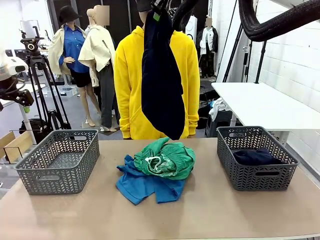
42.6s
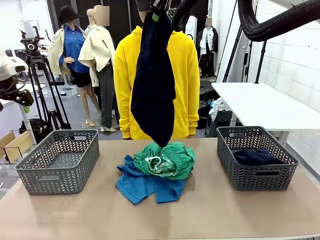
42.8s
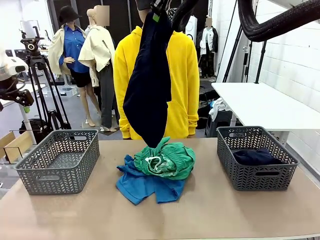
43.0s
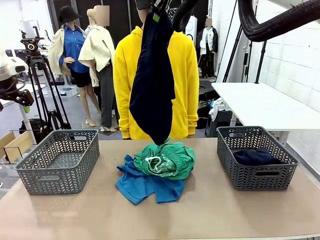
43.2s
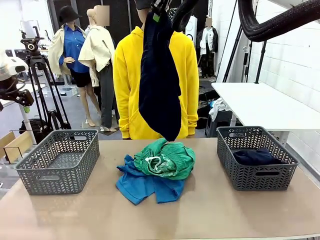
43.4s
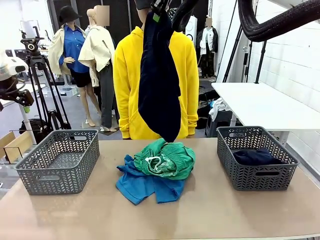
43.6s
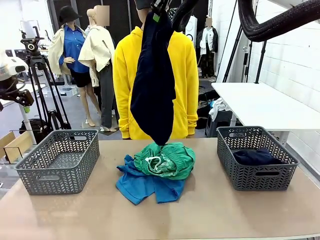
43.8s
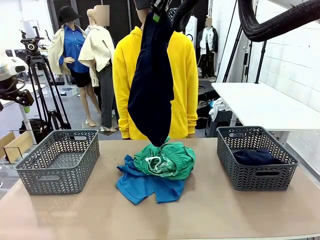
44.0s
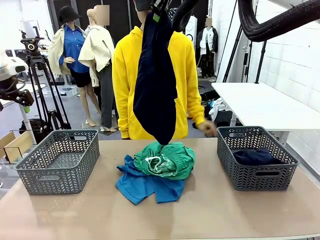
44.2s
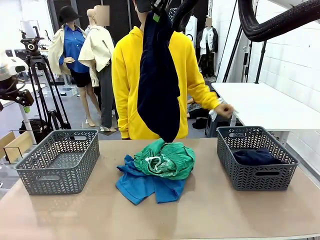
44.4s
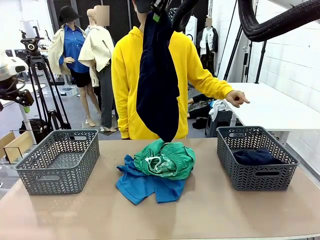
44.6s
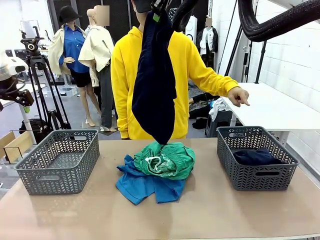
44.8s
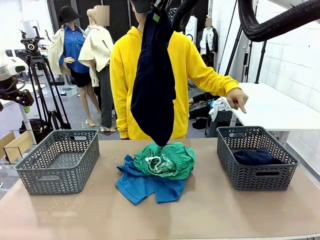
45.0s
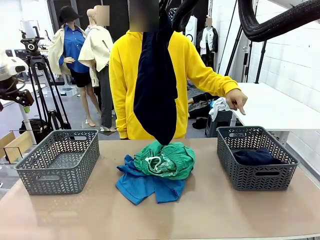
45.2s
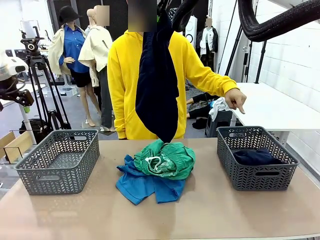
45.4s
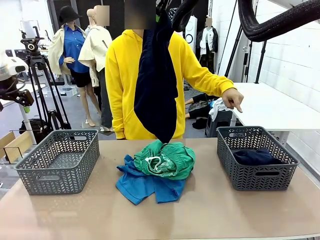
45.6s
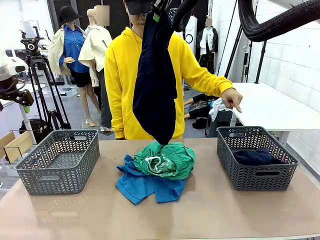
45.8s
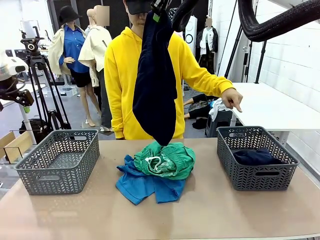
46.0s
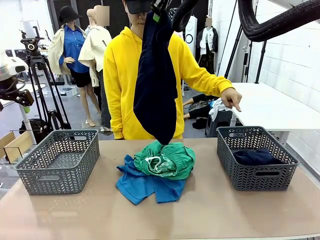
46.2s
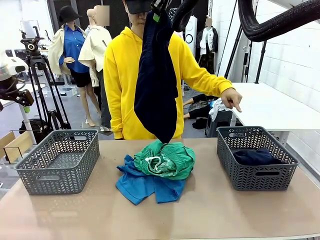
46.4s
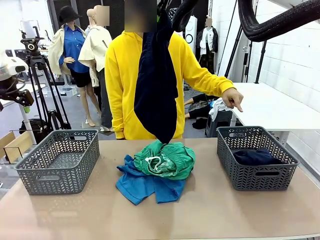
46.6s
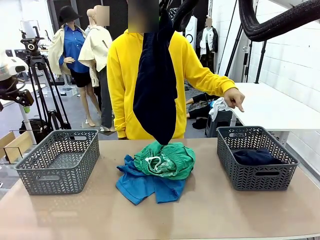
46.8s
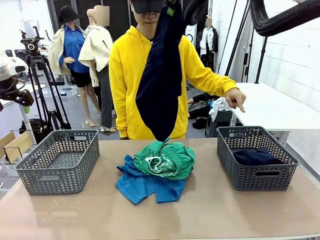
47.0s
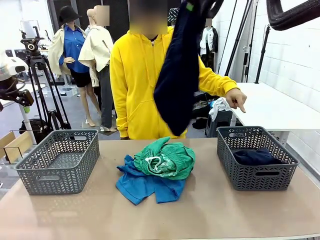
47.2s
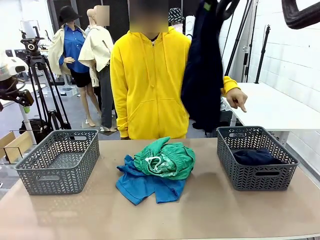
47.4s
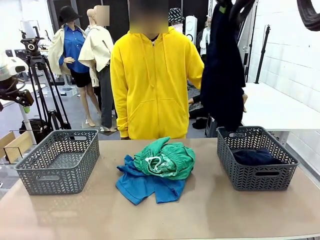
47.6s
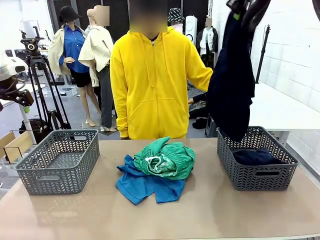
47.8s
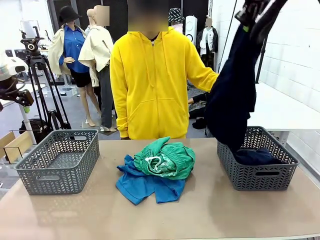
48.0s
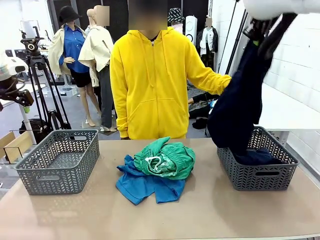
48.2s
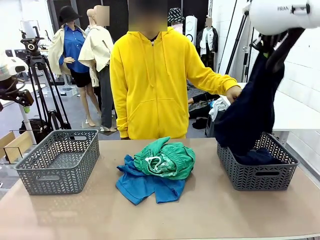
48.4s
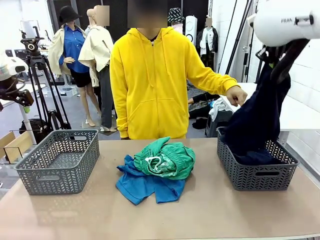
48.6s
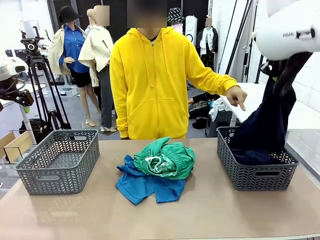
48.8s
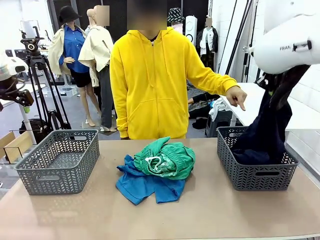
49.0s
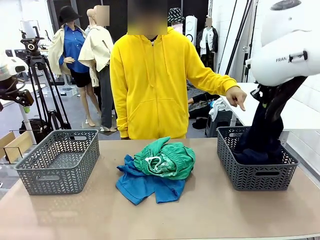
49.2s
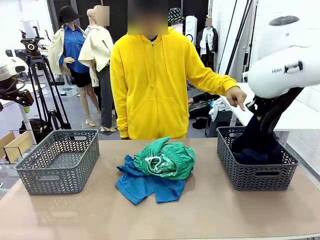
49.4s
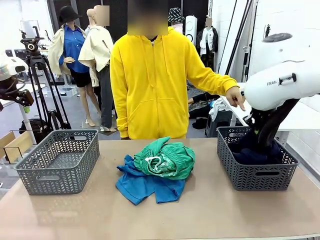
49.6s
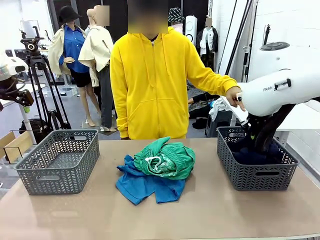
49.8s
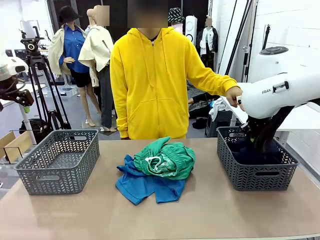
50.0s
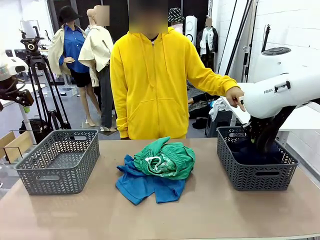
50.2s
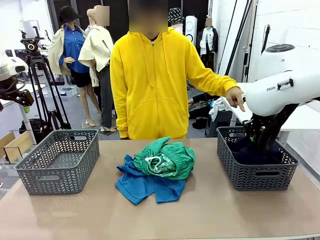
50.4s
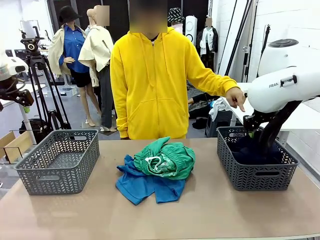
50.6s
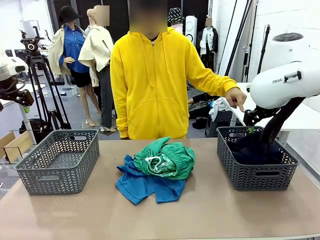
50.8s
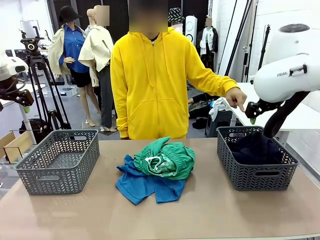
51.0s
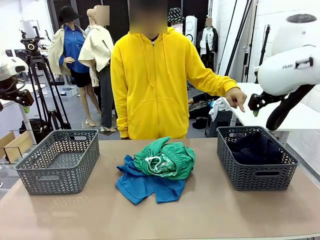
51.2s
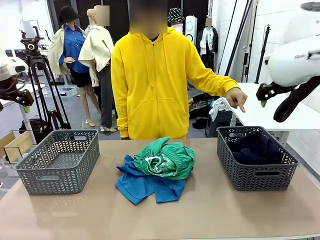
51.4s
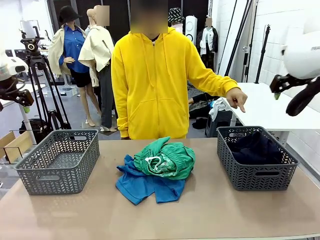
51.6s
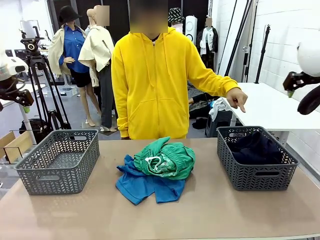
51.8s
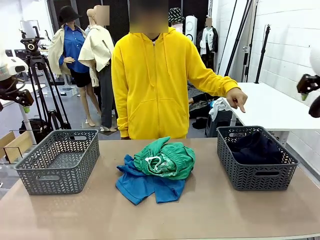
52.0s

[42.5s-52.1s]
Task: Sort the tops and bottoms.
Robot: Sort the clothes according to human instructions.

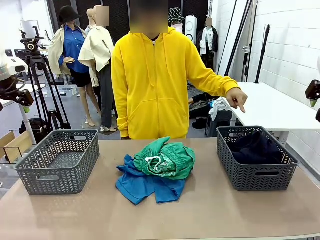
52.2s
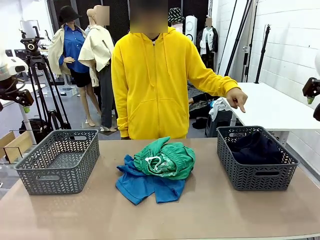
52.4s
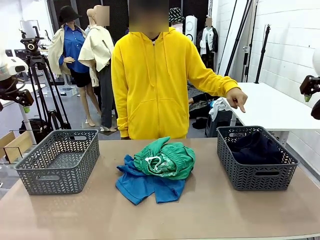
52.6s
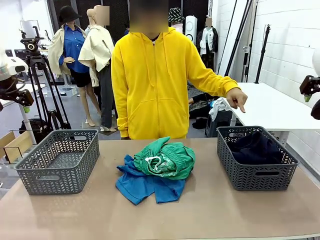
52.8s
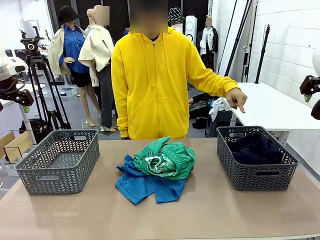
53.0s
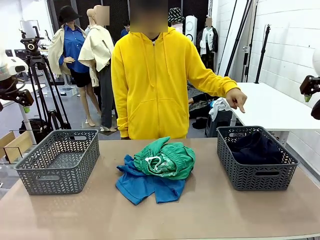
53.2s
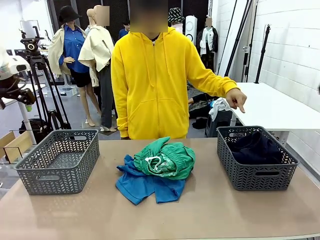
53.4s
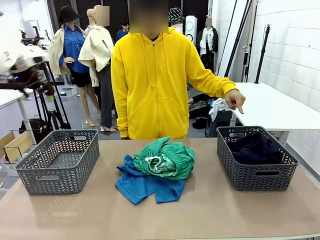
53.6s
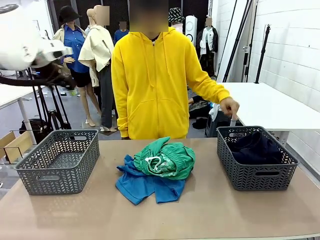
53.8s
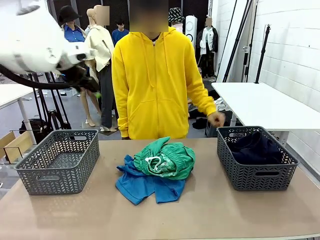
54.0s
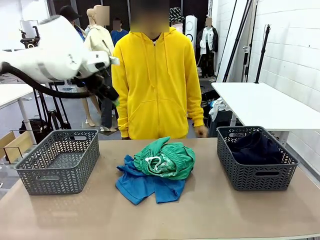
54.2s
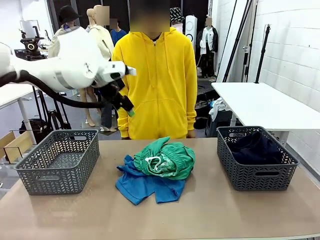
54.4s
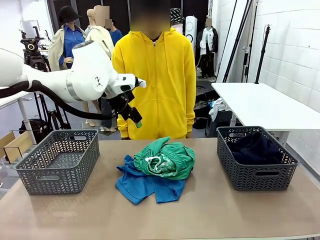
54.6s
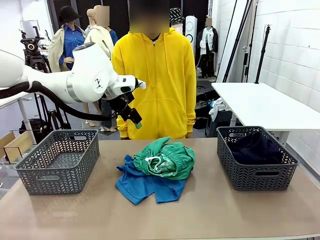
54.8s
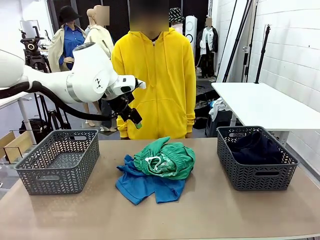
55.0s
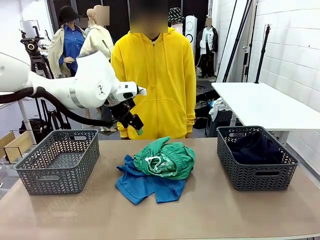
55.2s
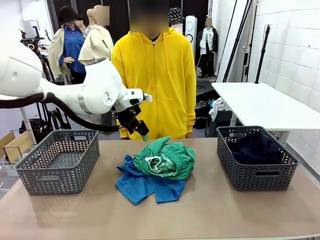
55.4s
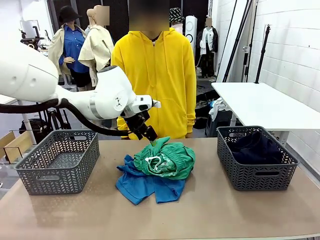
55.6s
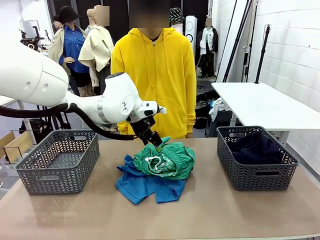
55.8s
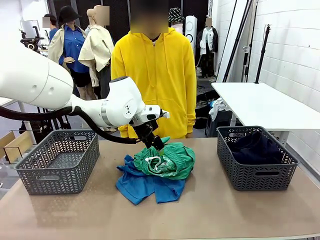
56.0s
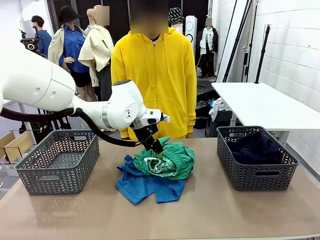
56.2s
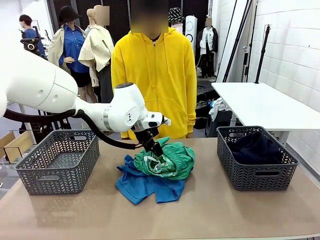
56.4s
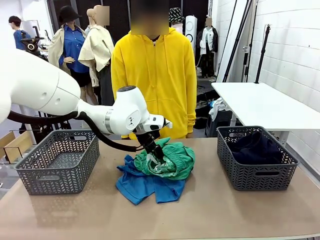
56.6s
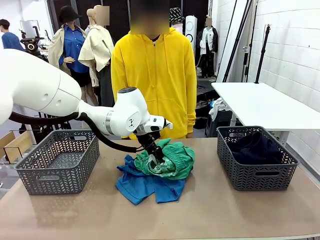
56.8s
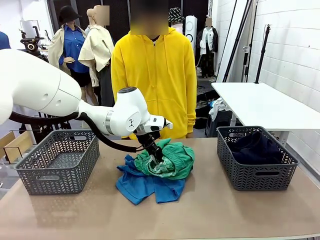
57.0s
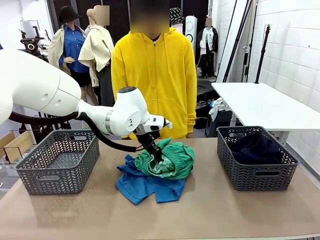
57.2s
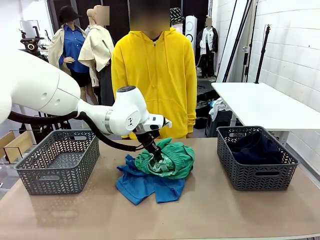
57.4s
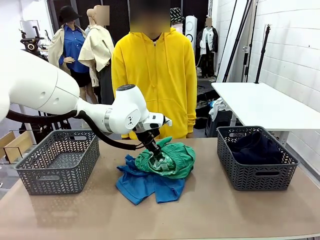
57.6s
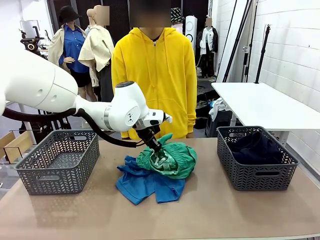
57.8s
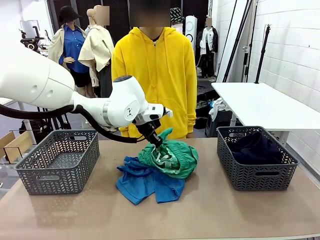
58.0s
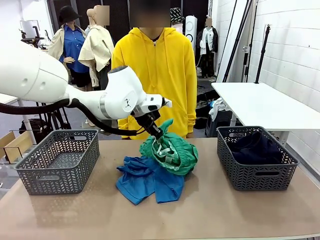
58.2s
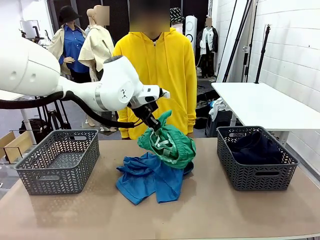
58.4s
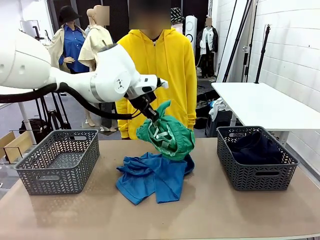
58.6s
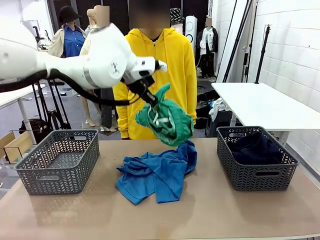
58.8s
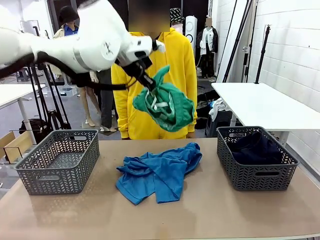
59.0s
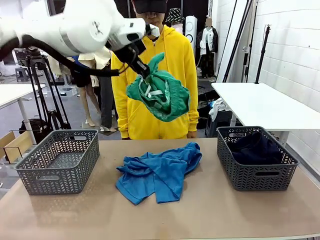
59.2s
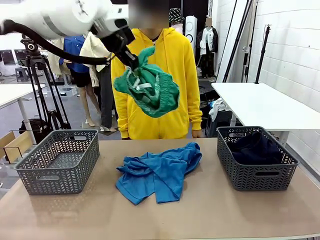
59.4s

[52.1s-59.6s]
Robot: Lift clothes from the center of the table with your left hand.

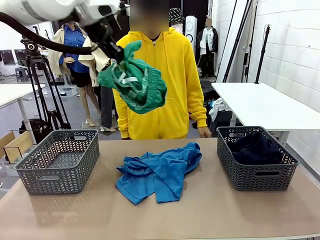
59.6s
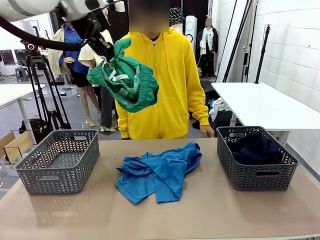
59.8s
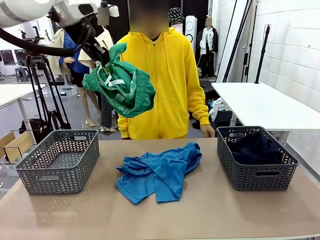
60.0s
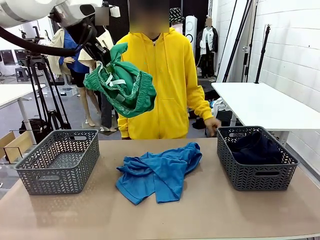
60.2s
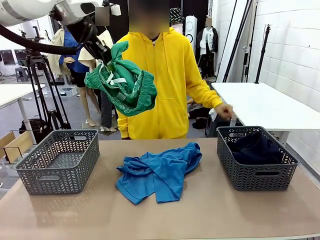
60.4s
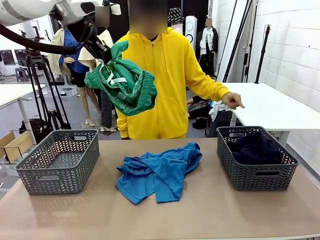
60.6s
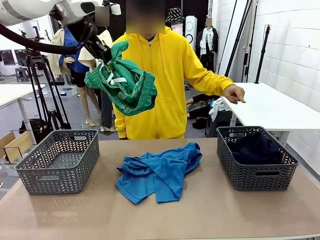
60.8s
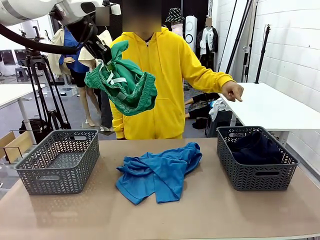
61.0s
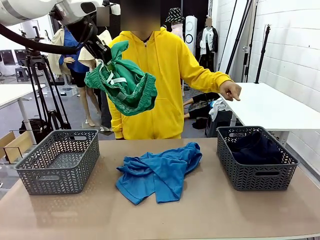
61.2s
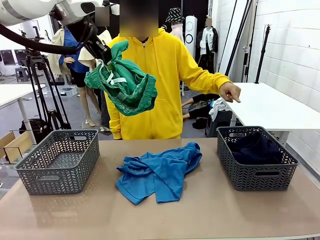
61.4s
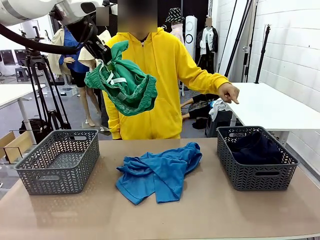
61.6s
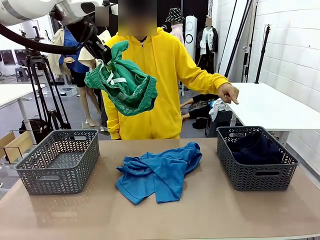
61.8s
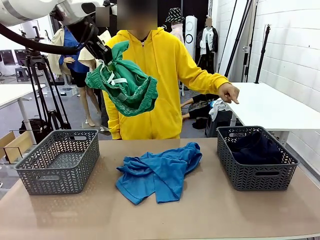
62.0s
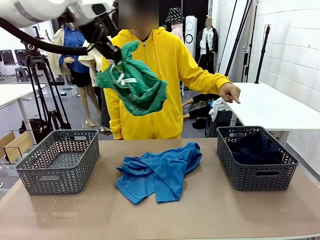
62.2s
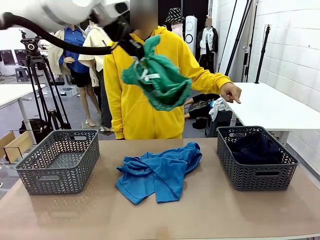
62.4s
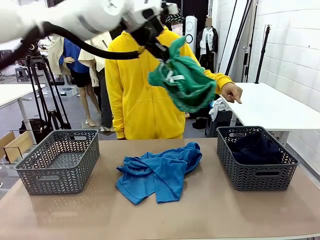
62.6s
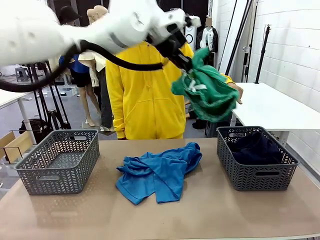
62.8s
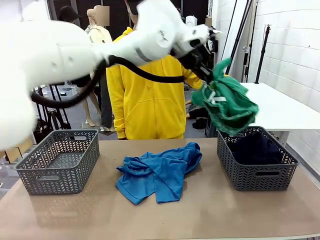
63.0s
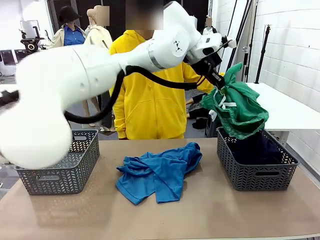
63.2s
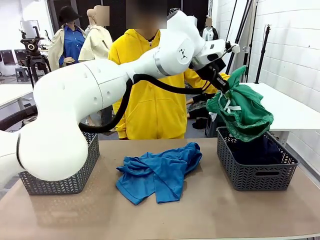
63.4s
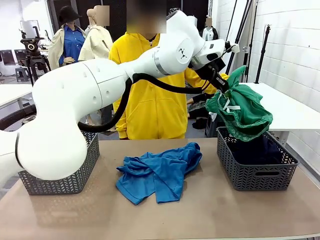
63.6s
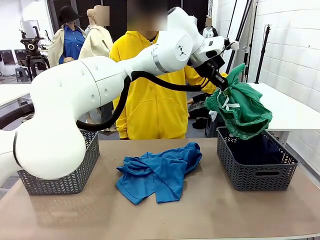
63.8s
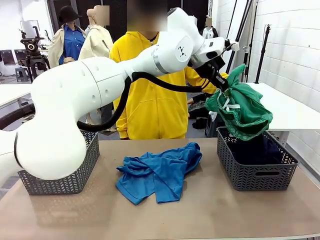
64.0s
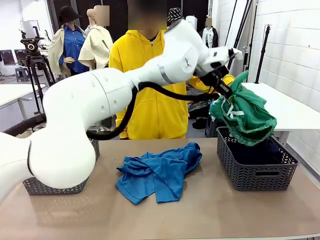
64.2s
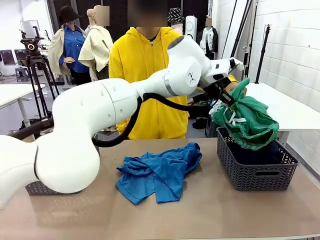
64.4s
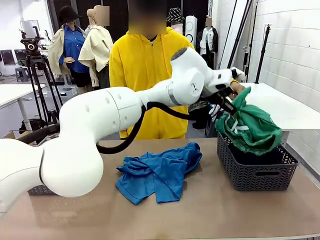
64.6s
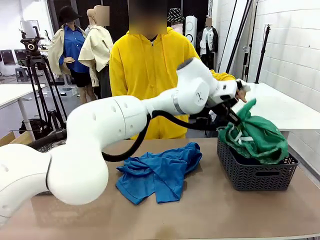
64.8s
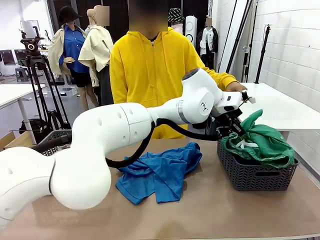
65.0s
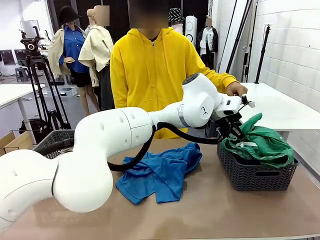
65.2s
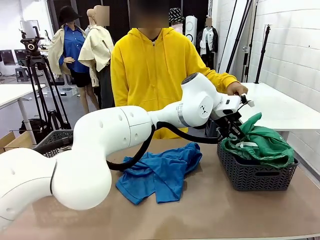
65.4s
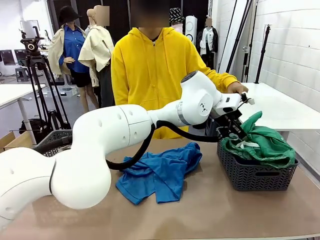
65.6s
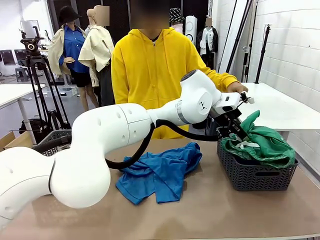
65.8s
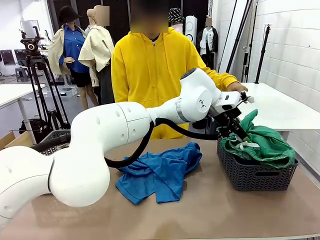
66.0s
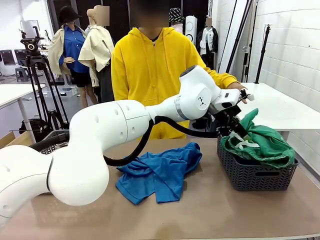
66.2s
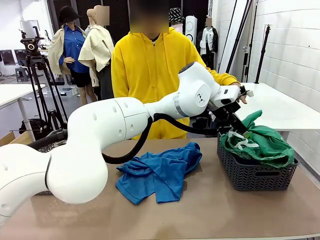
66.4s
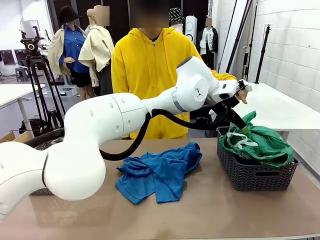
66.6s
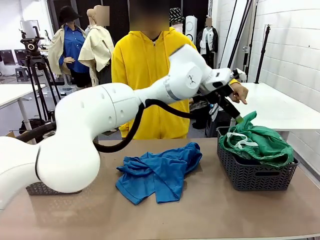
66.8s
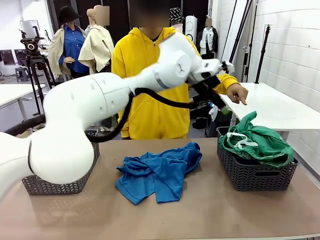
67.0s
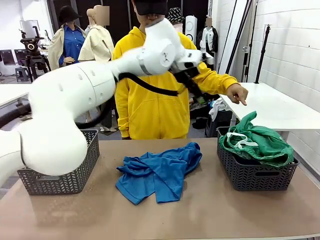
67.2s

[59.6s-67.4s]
Robot: Sort the clothes according to human instructions.
